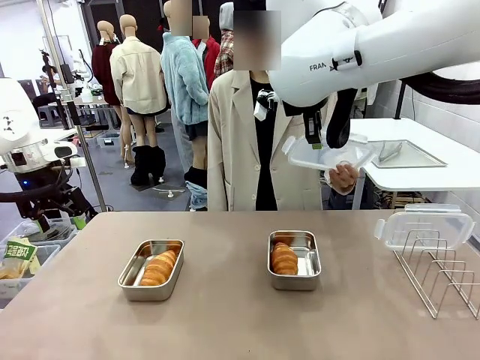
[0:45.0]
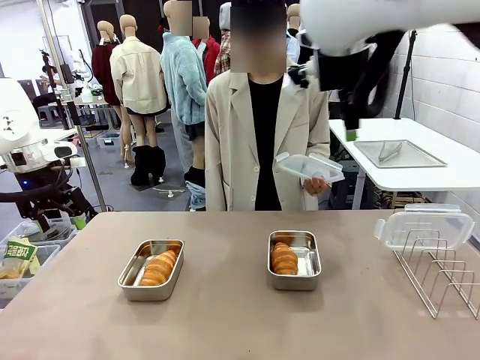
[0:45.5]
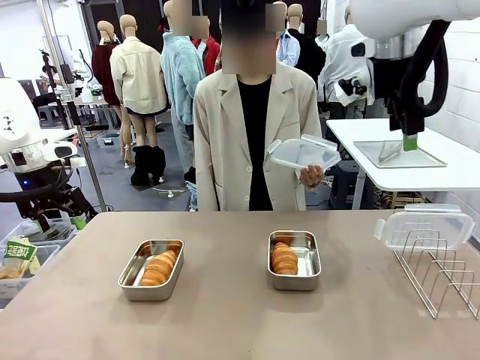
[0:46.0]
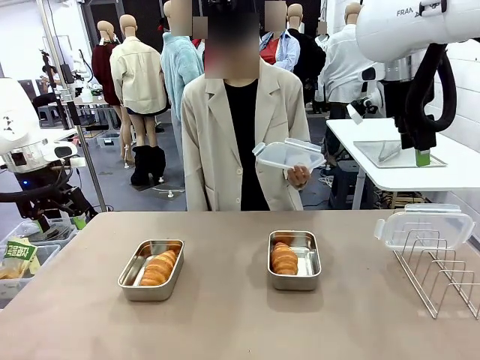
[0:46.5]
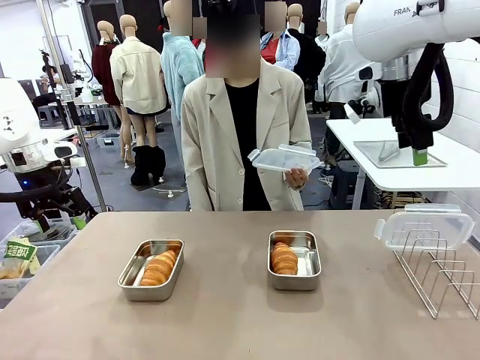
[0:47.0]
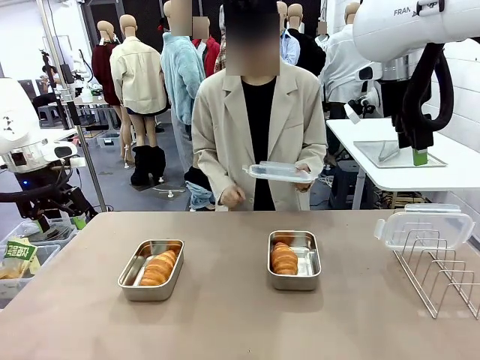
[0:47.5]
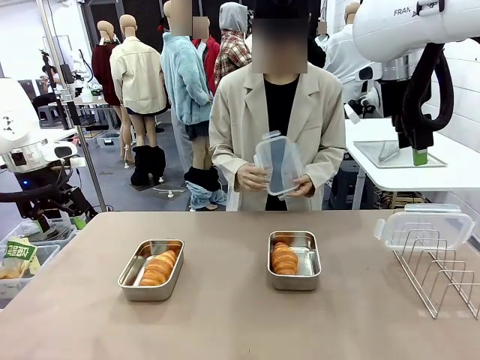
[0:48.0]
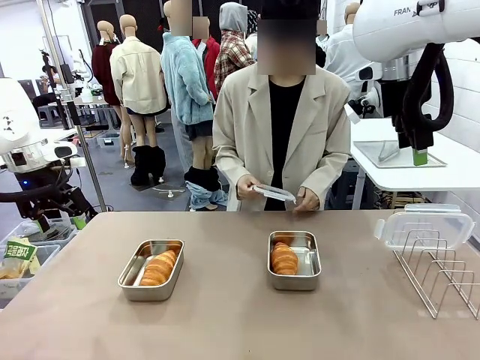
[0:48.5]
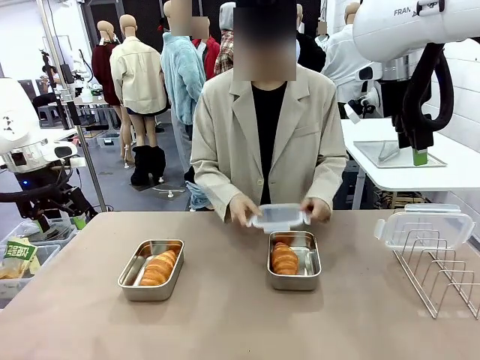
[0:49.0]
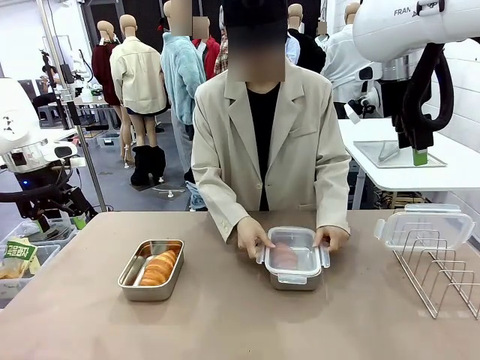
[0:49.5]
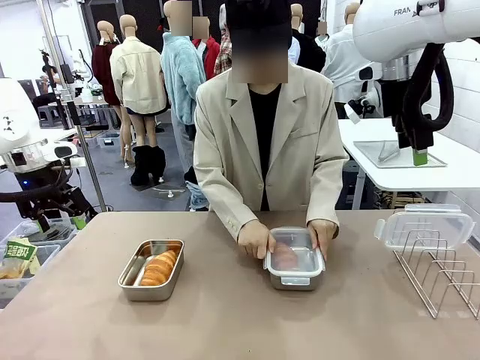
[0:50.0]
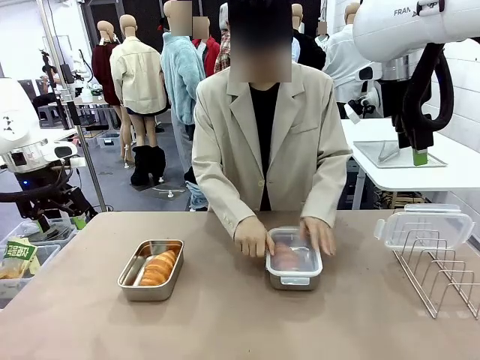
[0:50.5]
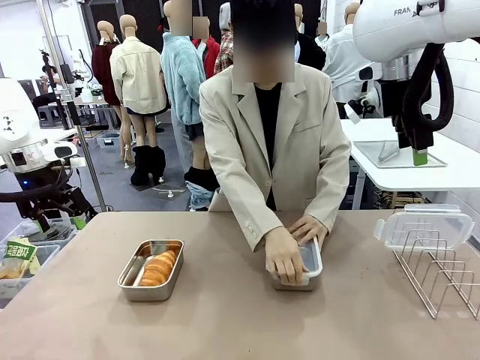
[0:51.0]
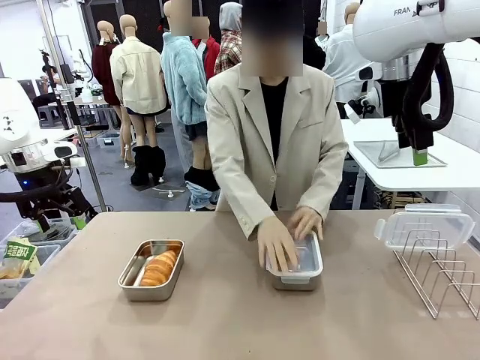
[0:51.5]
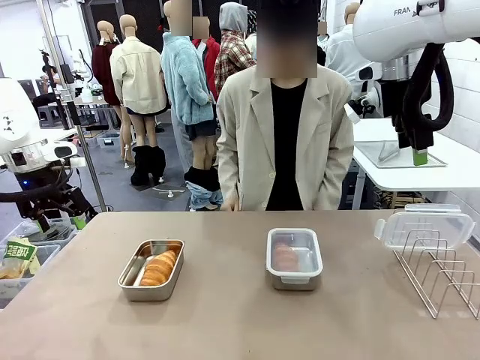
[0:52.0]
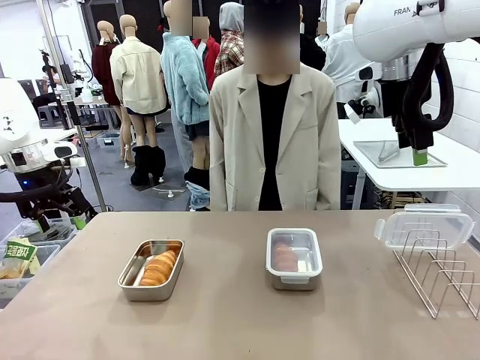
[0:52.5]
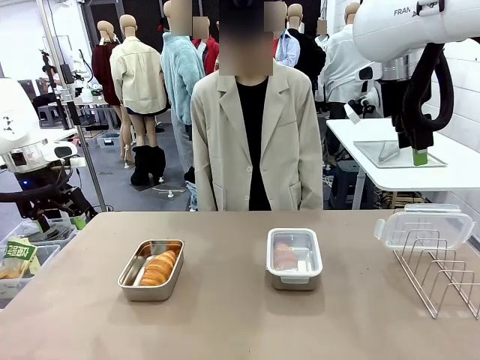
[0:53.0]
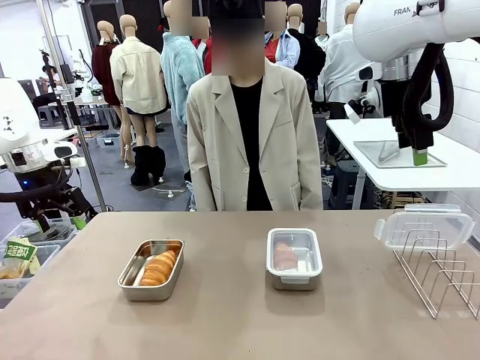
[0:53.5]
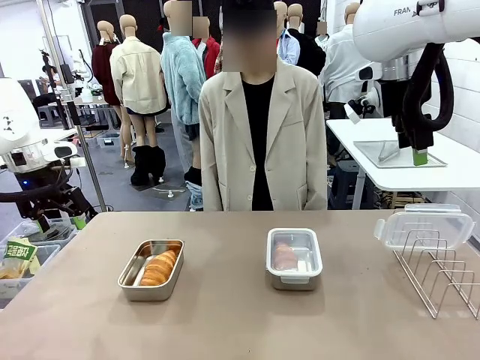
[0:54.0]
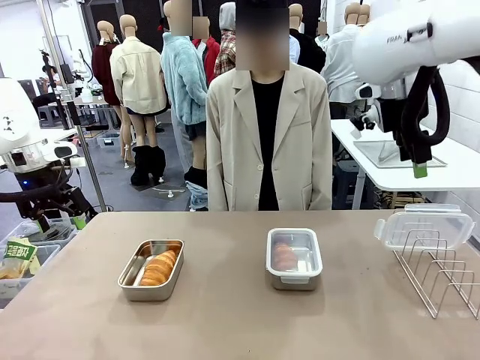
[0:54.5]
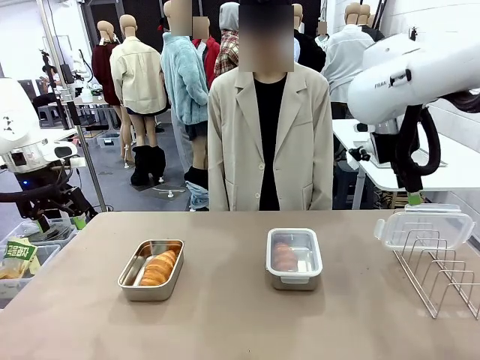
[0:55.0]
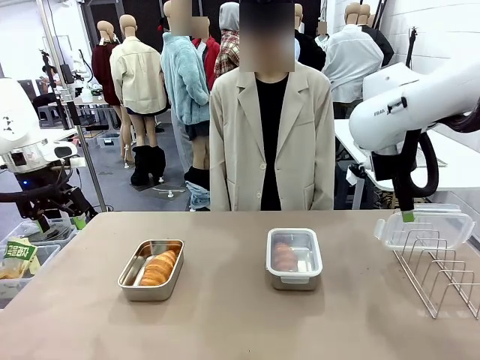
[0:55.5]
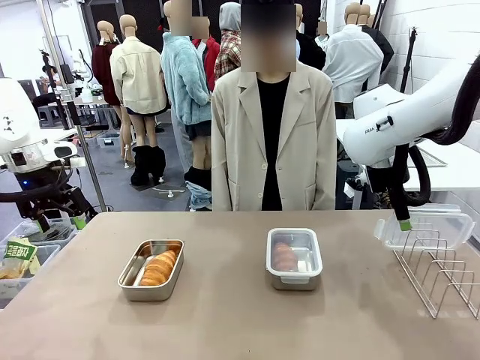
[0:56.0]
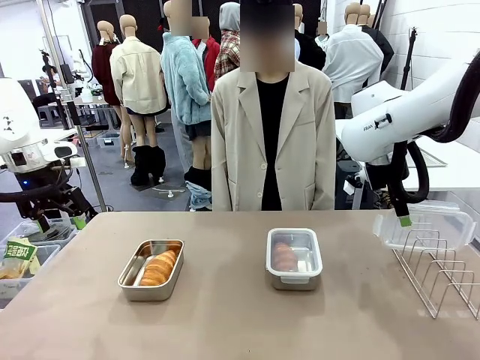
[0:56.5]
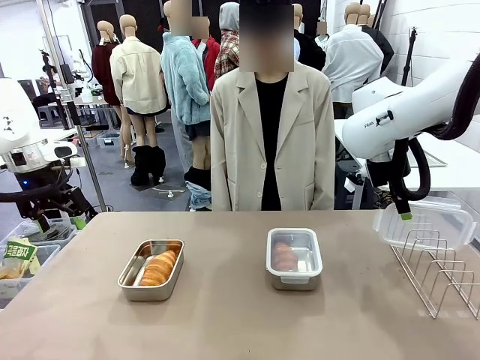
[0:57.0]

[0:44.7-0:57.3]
Task: Place the bread in airtight containers.
Robot: Pick up one Airtight Container lid and hand it to the human.
Person: Close Airtight Container with a handed Airtight Container lid. Grip Airtight Container lid that robot is handing.

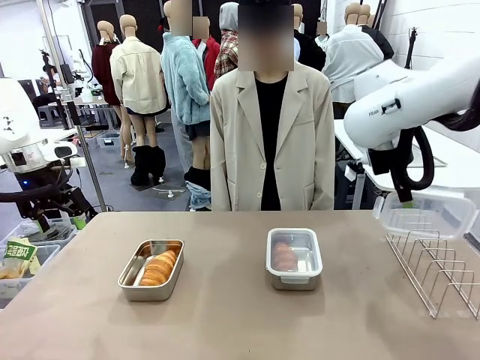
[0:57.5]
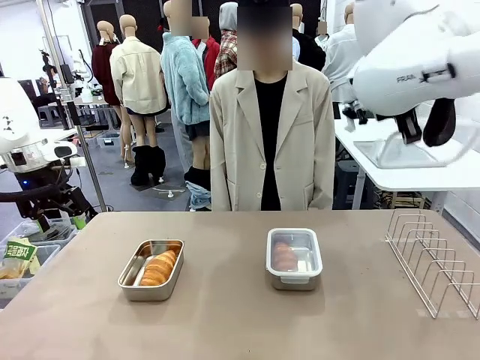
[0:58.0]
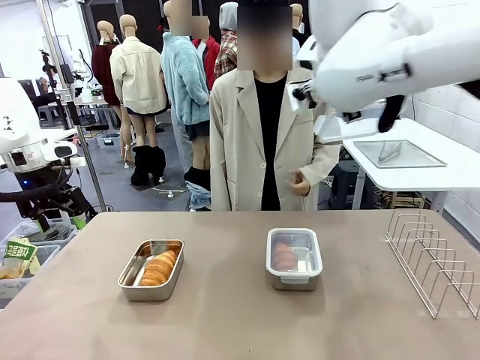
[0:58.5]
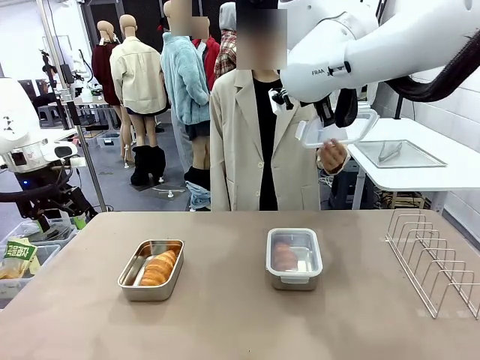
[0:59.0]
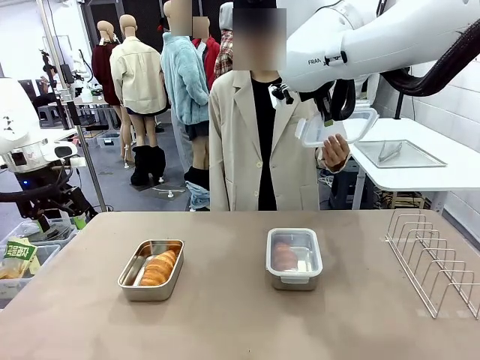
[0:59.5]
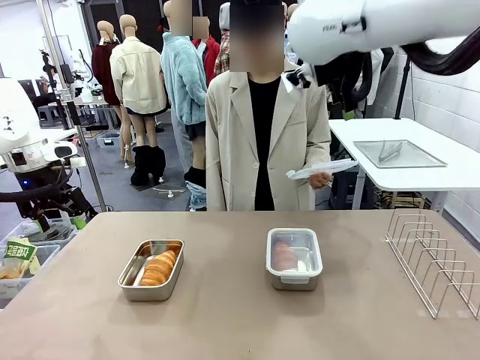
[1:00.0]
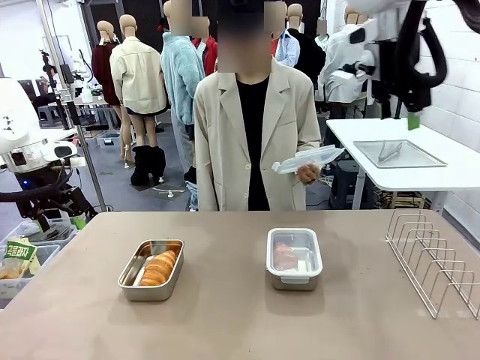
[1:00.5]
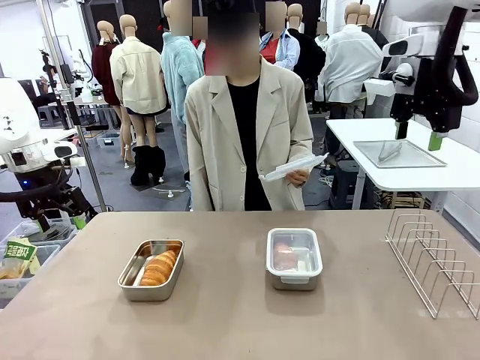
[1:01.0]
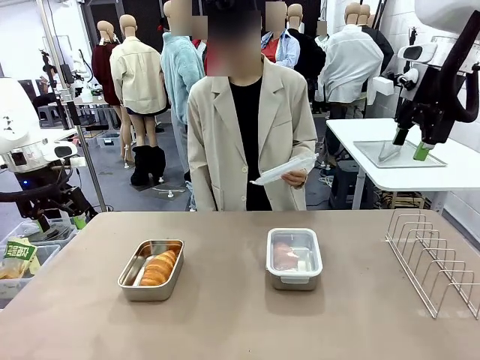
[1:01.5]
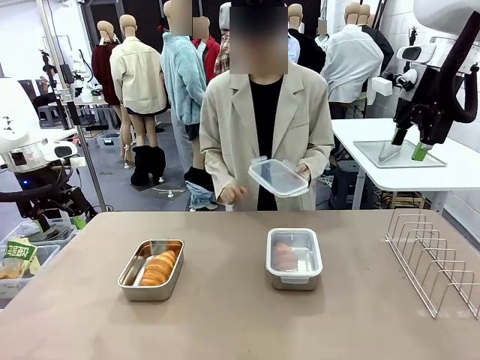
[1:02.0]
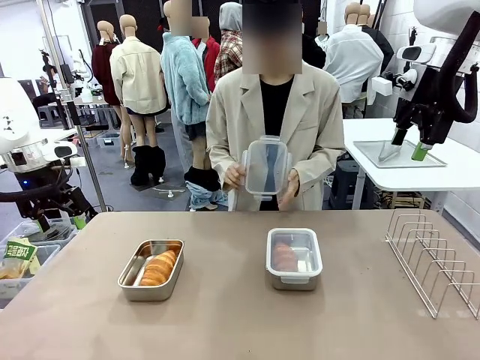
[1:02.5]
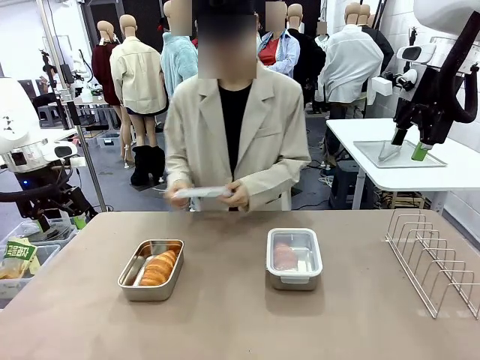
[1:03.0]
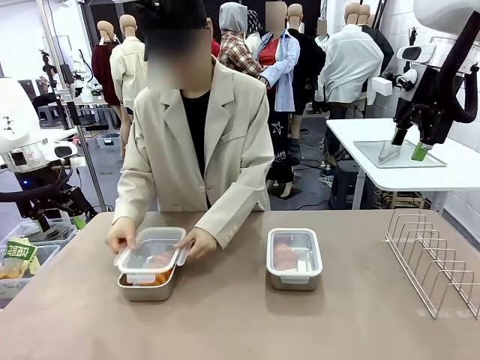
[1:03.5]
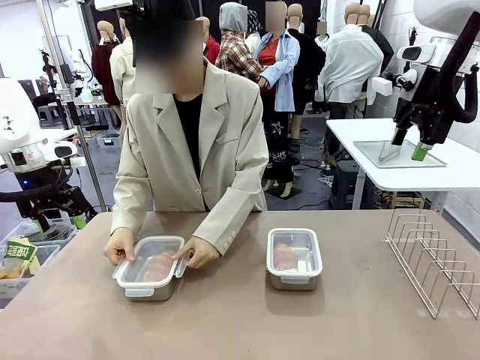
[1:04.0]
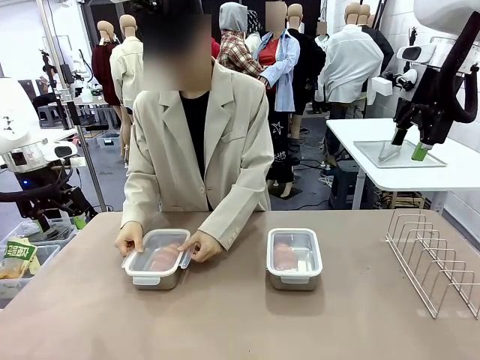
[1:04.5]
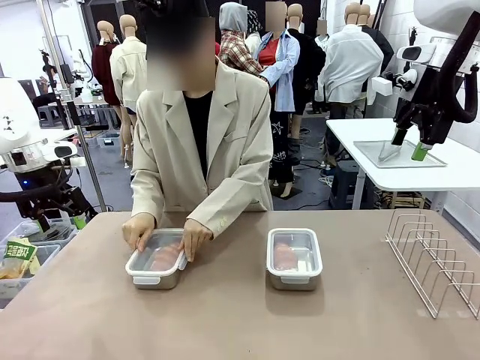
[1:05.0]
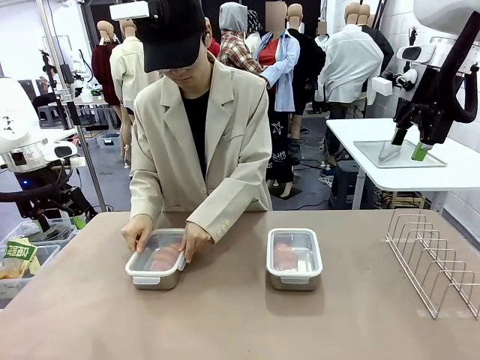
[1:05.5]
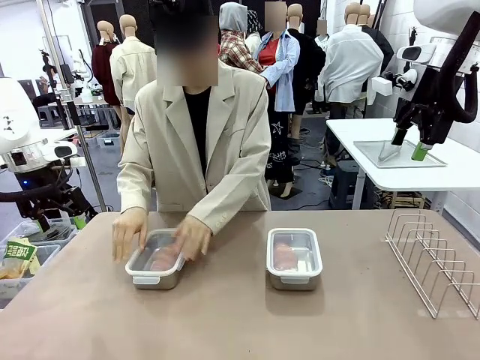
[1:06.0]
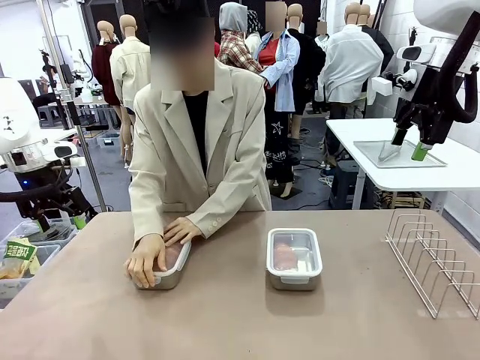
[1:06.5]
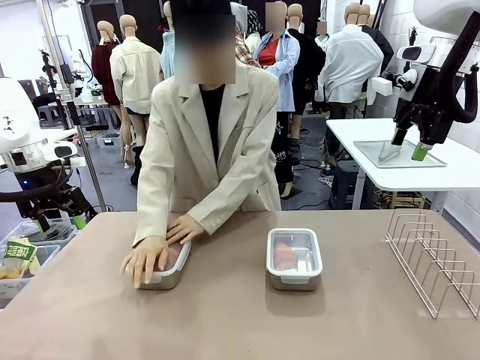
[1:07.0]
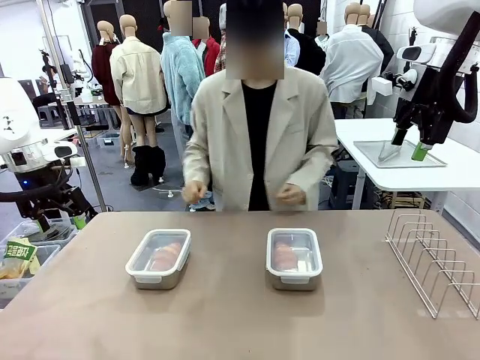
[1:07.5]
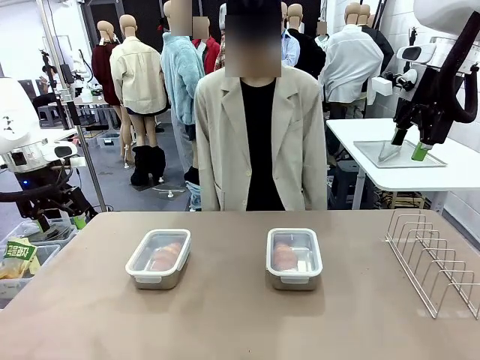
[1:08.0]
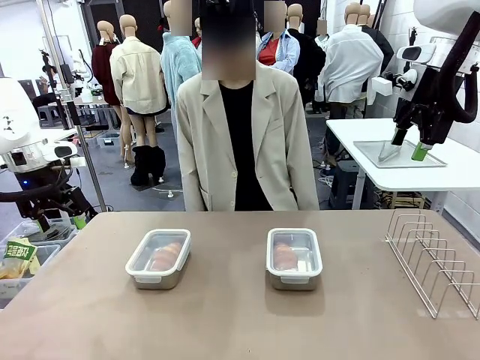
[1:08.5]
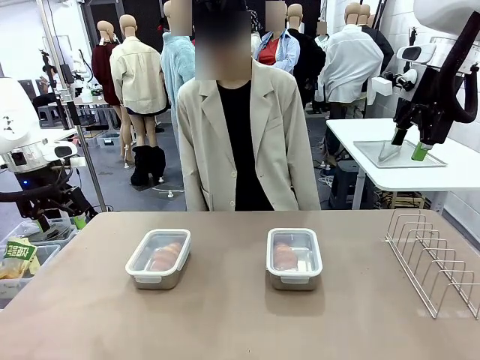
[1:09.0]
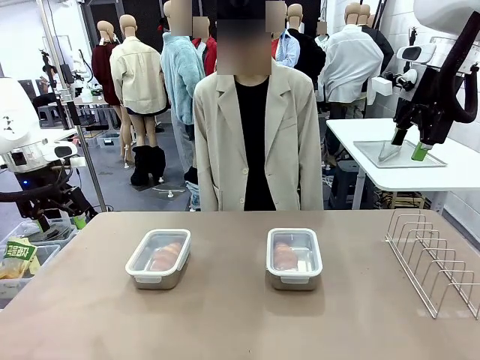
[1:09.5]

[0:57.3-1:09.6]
Robot: Release when the human grabs the Airtight Container lid.
Person: Close Airtight Container with a handed Airtight Container lid.
